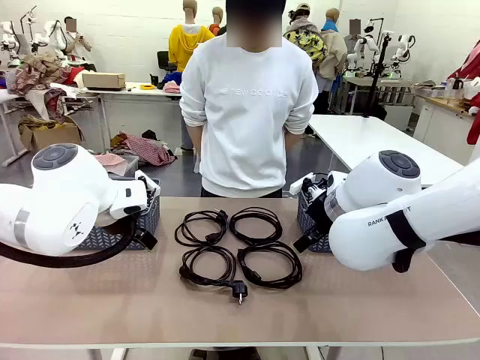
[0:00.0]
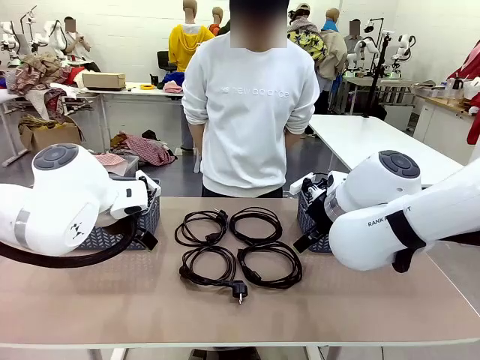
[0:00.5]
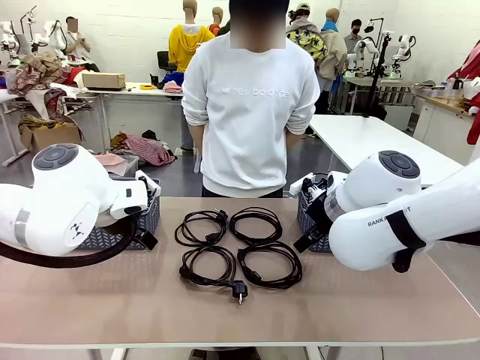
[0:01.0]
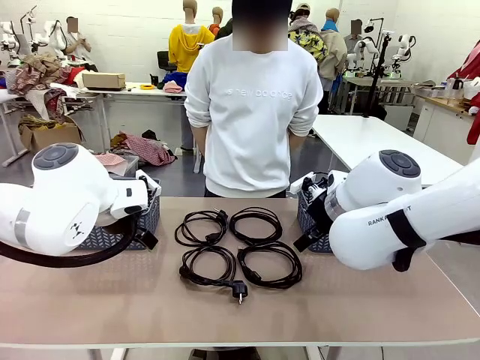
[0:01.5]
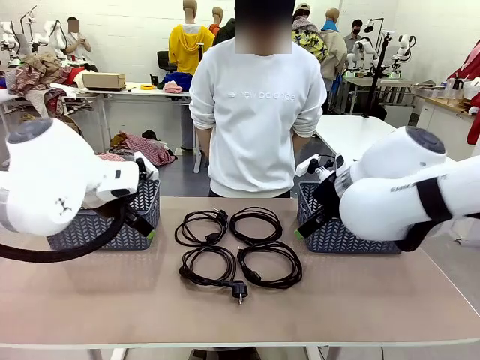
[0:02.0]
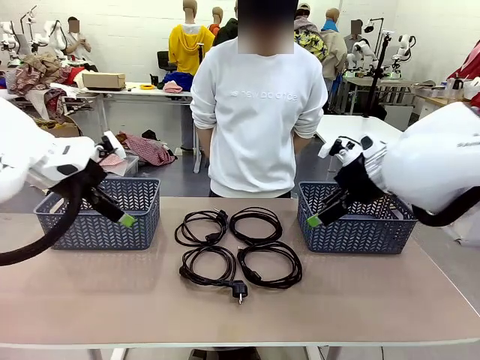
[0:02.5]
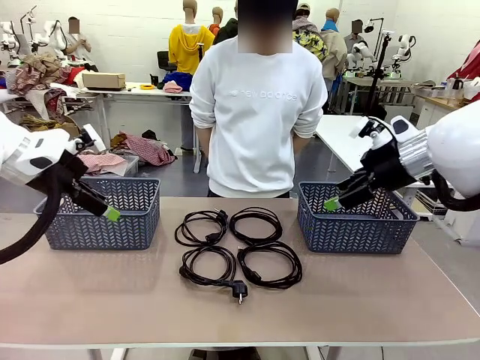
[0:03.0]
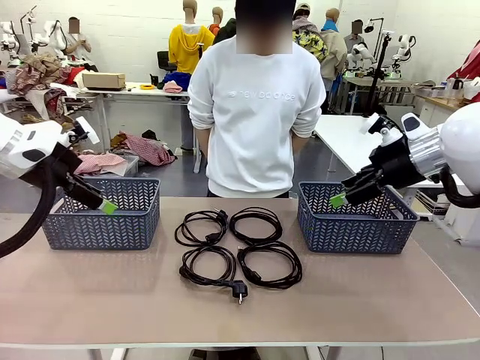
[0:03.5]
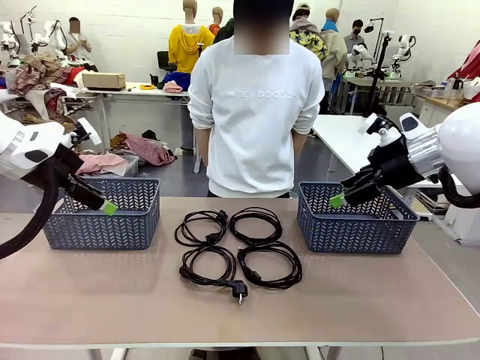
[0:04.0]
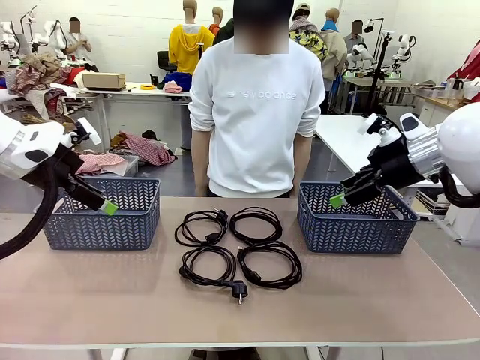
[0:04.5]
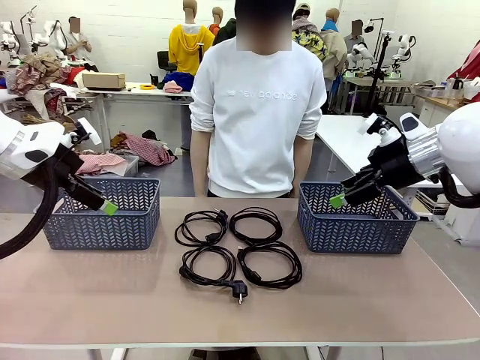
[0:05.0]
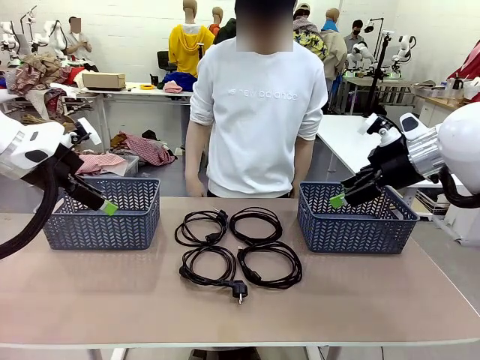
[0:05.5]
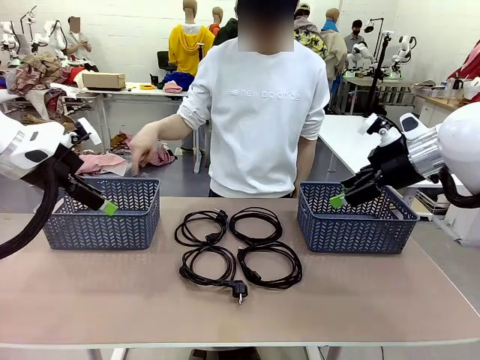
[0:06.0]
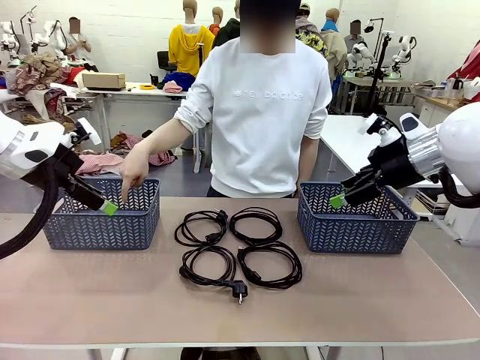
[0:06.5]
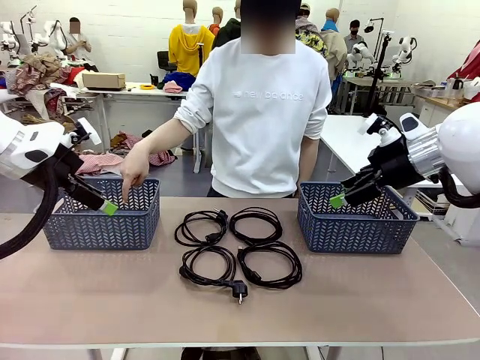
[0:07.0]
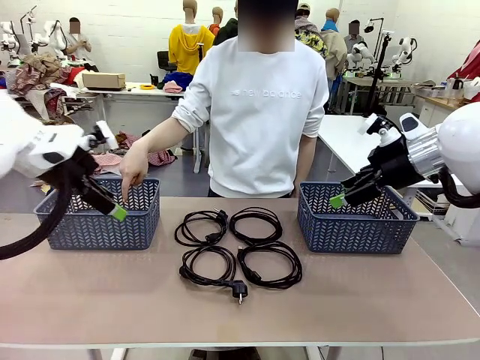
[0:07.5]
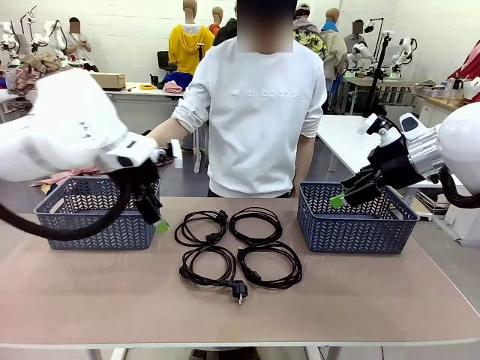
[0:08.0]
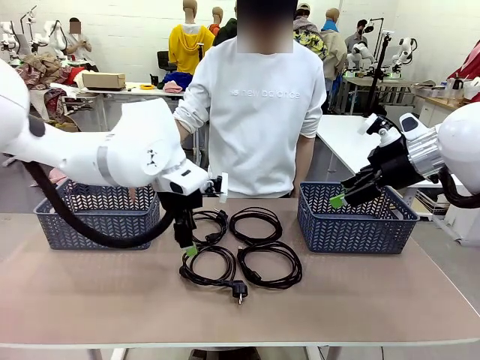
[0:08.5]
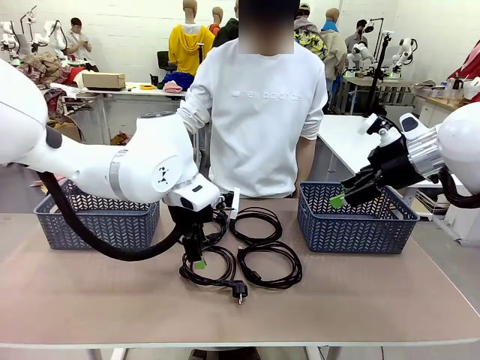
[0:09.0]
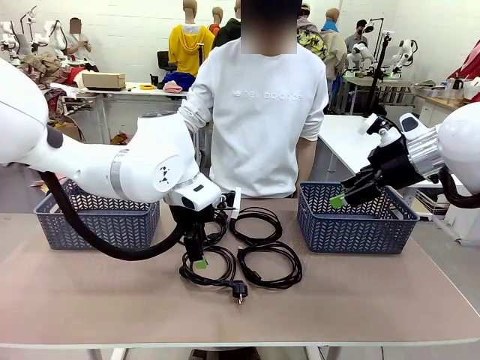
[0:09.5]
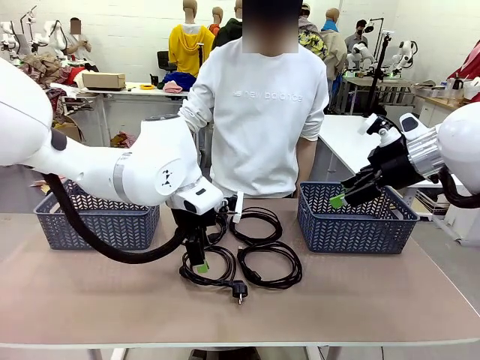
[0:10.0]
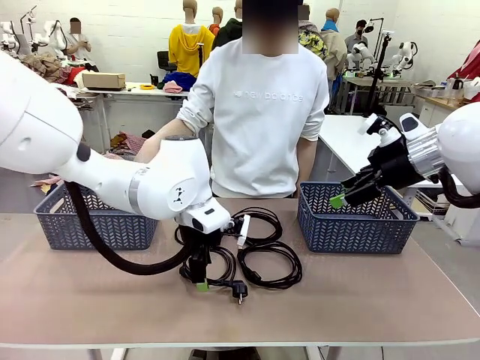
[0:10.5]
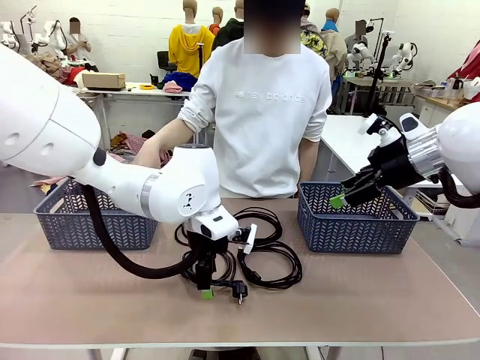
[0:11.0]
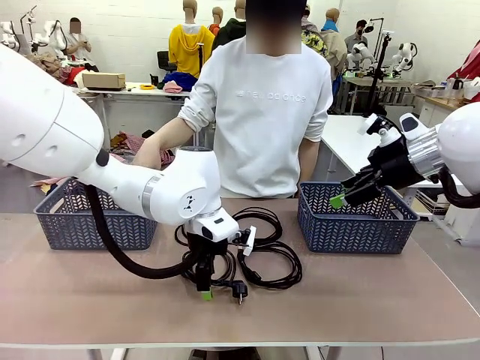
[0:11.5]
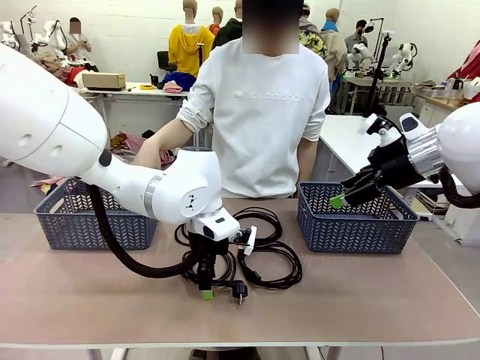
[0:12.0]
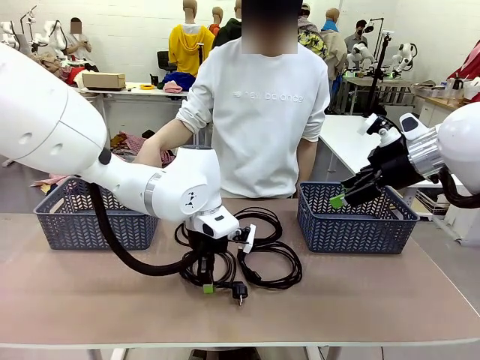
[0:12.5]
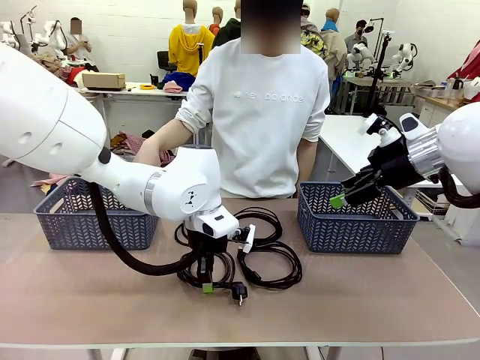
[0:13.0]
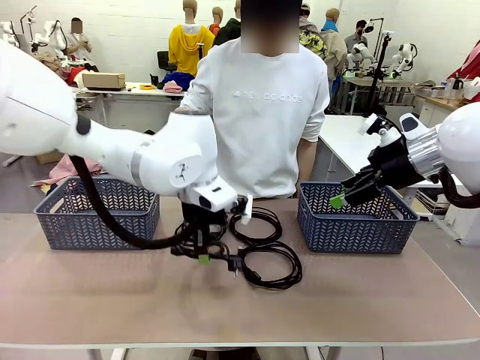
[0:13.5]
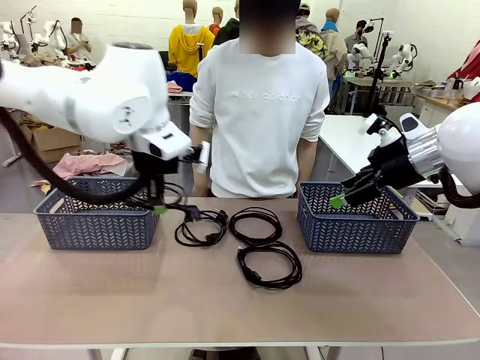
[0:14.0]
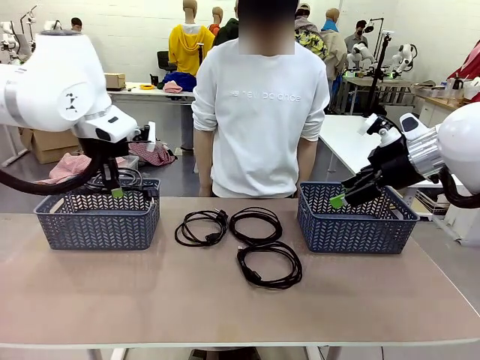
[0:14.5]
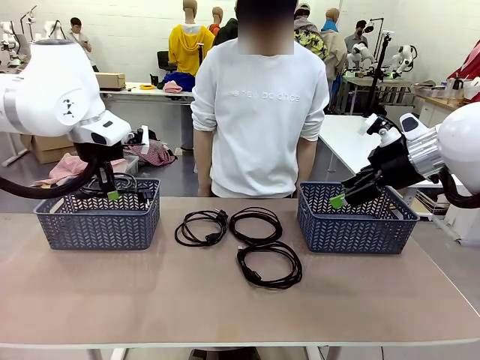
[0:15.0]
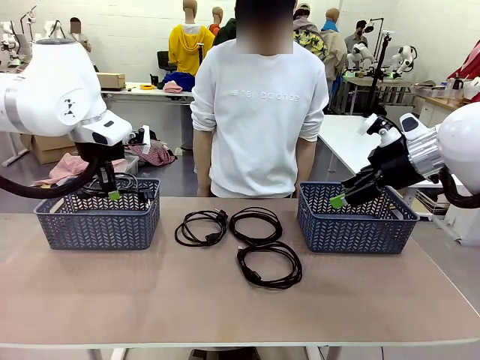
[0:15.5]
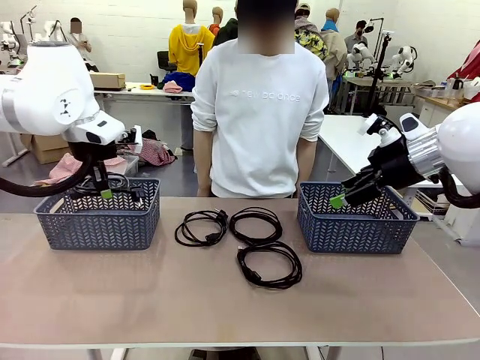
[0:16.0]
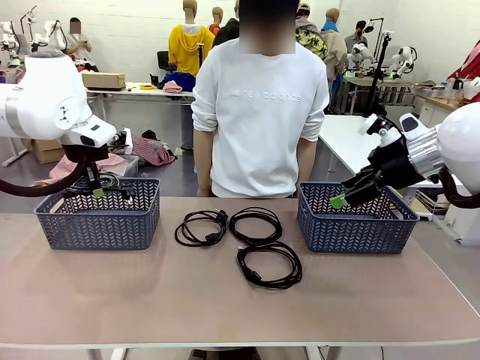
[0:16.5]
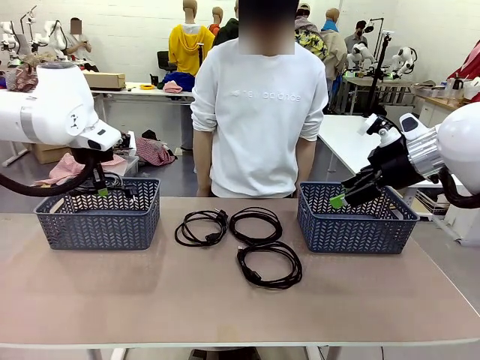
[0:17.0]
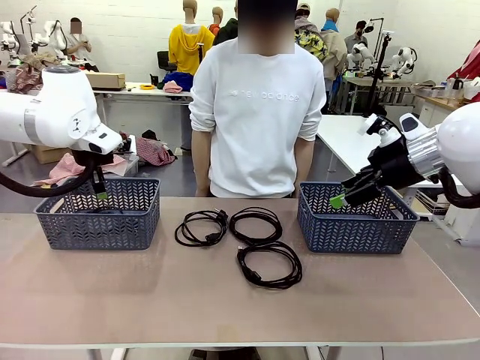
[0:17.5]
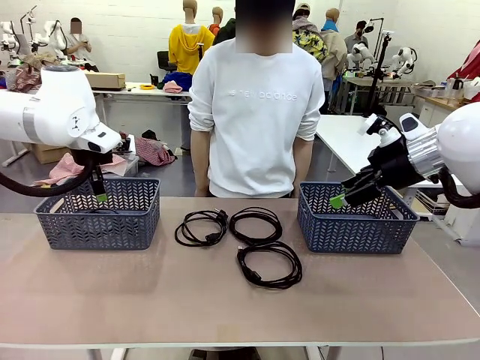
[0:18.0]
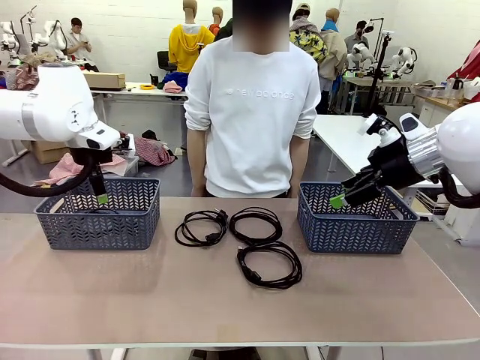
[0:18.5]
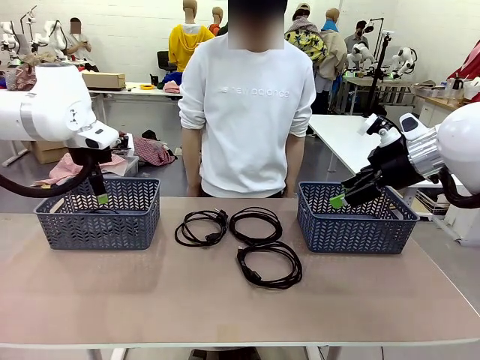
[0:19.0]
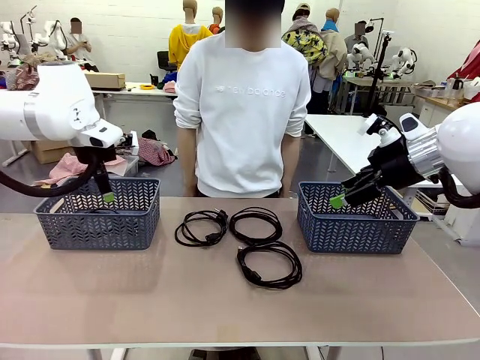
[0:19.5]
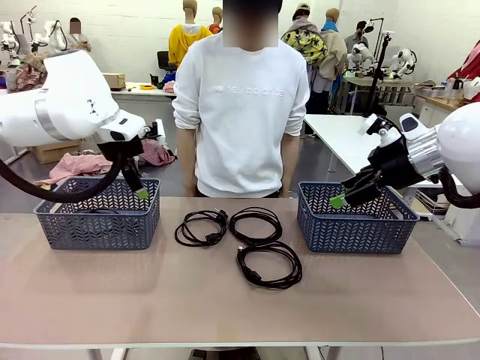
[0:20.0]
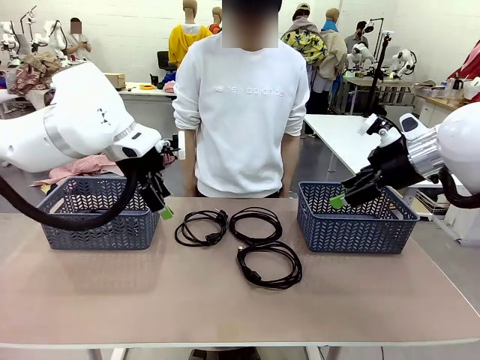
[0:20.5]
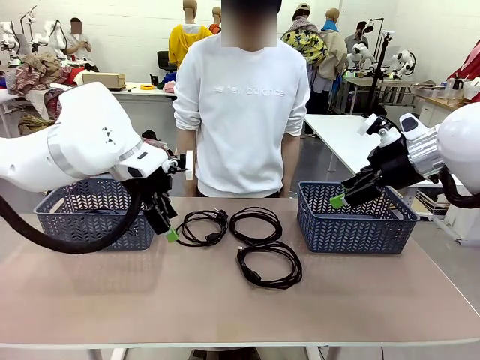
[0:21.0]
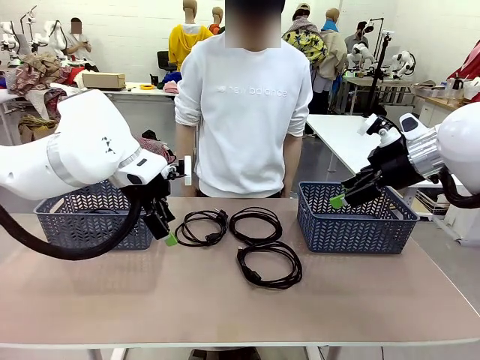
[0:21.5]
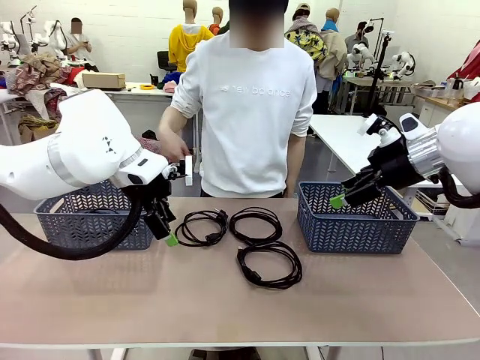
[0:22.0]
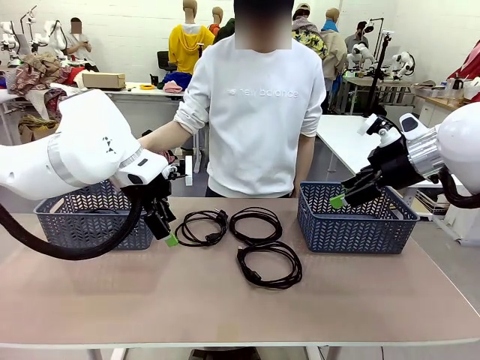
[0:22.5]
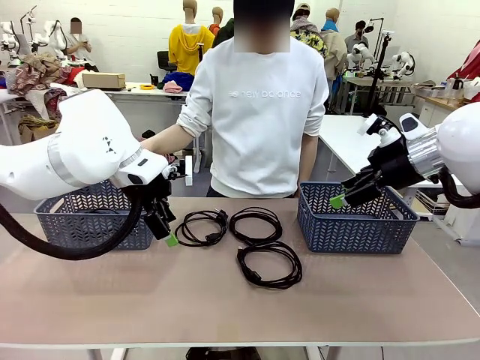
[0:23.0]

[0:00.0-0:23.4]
Task: Organize the cables according to human instructions.
Robot: Pick up a bundle of cables and place it in the basket indicated by the human.
